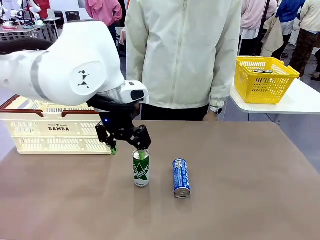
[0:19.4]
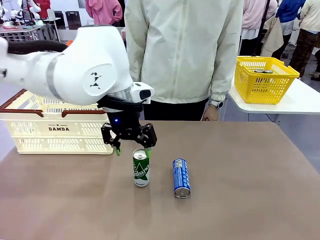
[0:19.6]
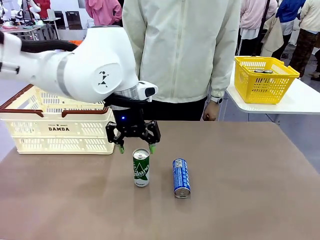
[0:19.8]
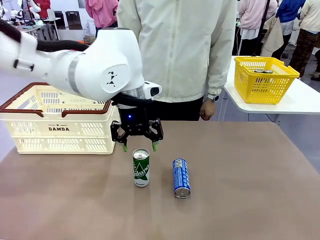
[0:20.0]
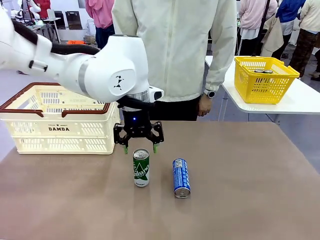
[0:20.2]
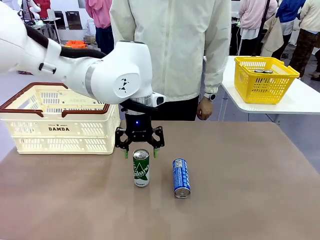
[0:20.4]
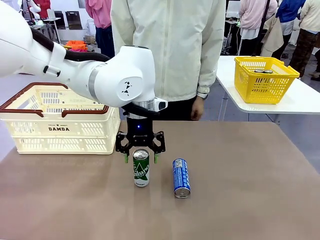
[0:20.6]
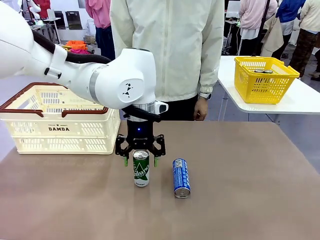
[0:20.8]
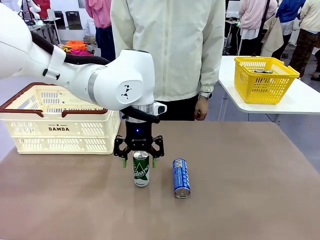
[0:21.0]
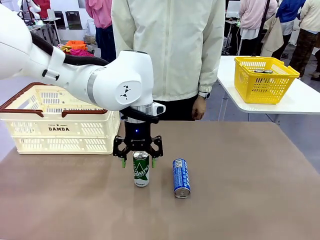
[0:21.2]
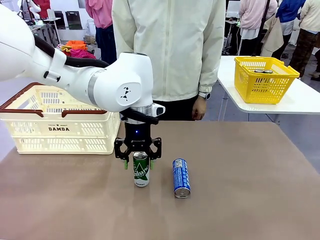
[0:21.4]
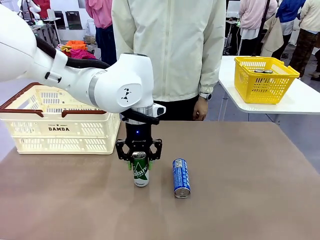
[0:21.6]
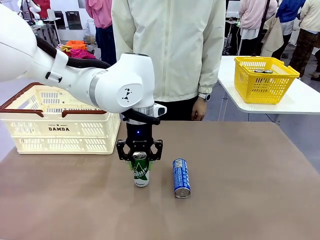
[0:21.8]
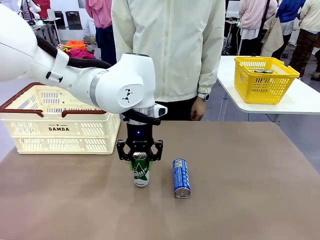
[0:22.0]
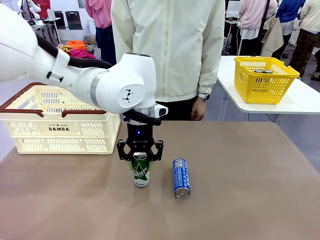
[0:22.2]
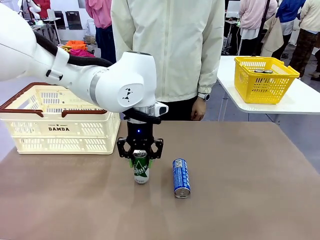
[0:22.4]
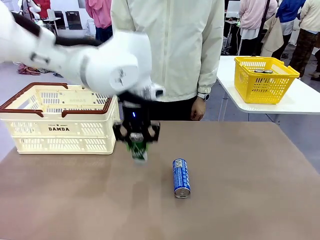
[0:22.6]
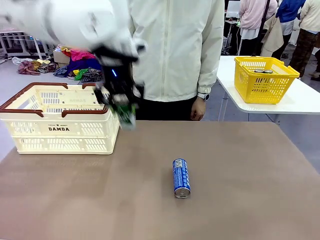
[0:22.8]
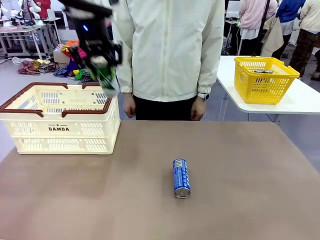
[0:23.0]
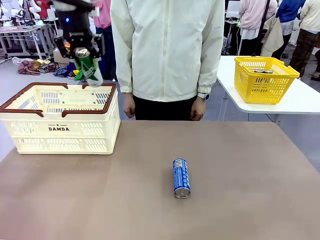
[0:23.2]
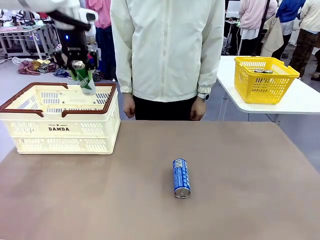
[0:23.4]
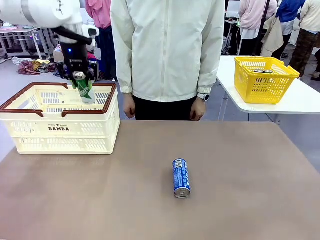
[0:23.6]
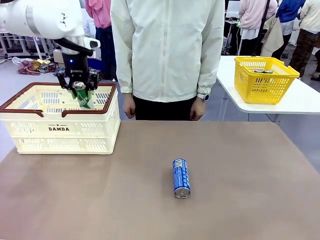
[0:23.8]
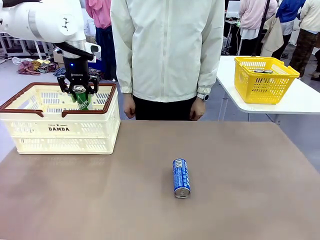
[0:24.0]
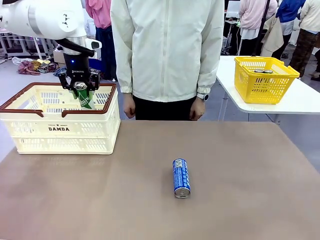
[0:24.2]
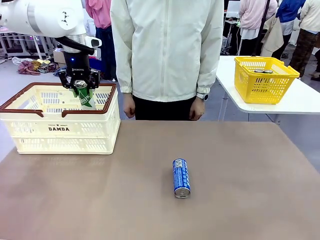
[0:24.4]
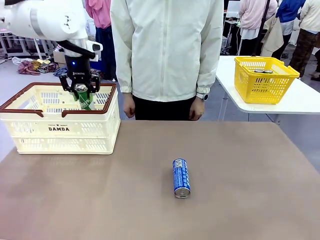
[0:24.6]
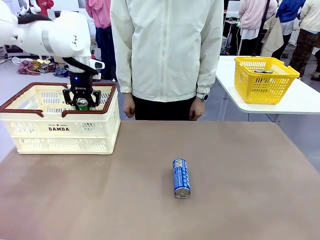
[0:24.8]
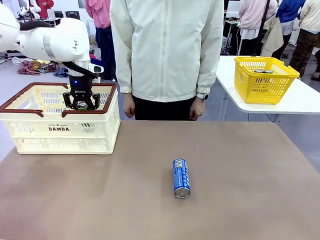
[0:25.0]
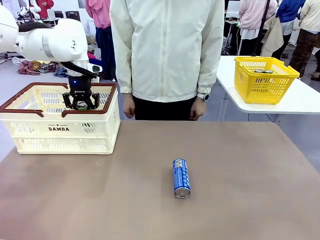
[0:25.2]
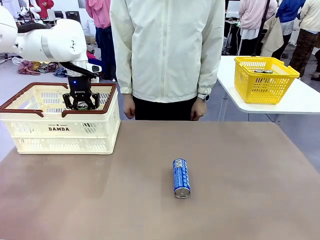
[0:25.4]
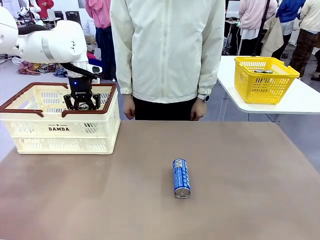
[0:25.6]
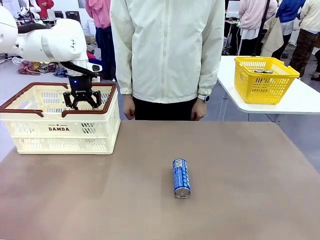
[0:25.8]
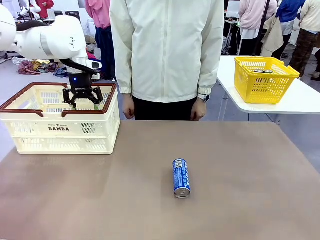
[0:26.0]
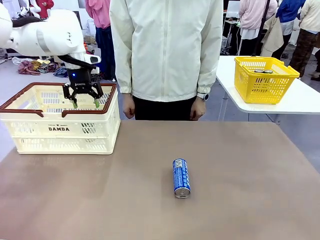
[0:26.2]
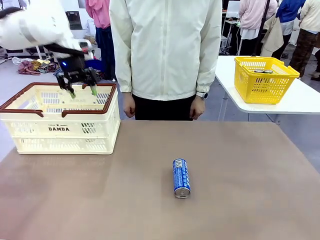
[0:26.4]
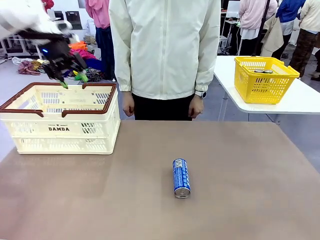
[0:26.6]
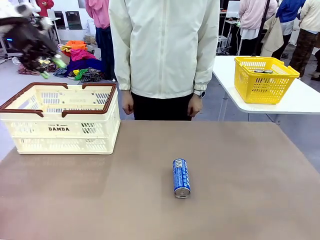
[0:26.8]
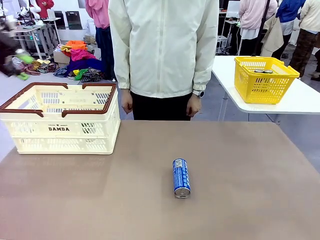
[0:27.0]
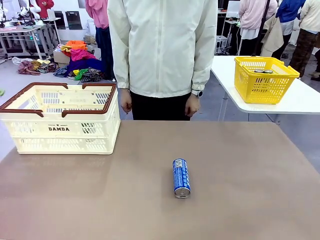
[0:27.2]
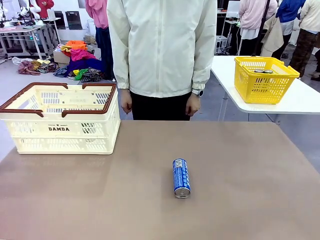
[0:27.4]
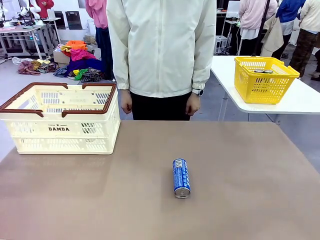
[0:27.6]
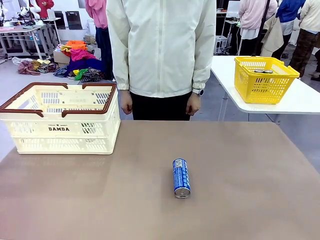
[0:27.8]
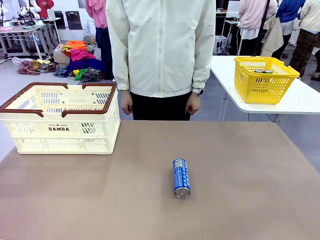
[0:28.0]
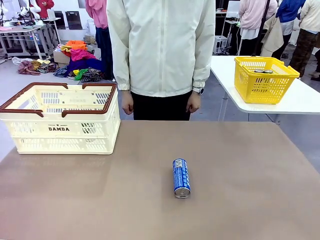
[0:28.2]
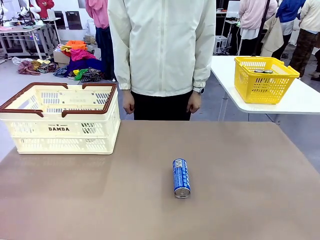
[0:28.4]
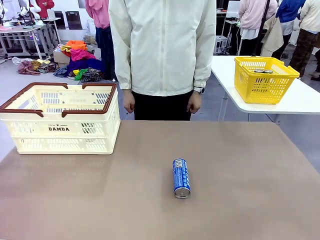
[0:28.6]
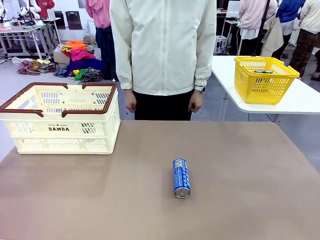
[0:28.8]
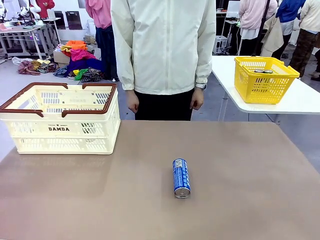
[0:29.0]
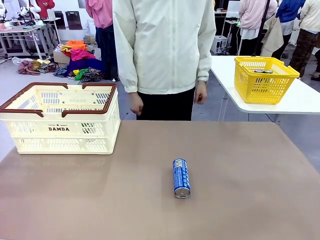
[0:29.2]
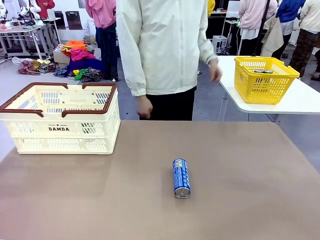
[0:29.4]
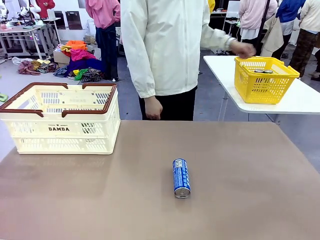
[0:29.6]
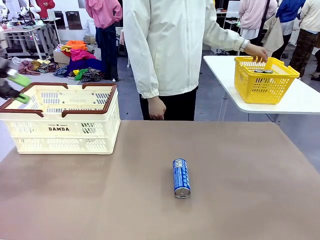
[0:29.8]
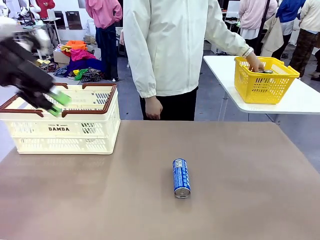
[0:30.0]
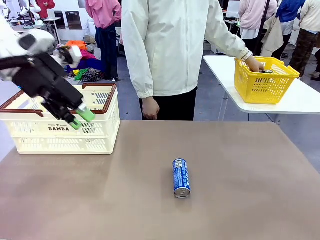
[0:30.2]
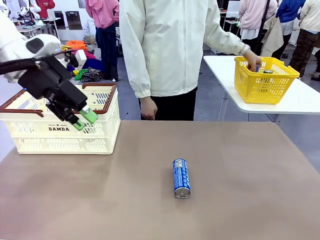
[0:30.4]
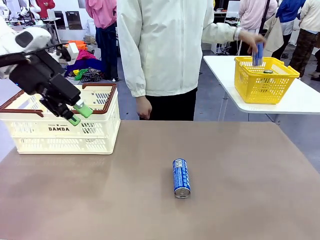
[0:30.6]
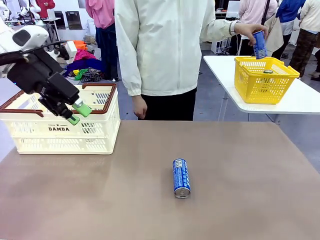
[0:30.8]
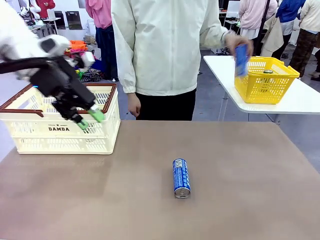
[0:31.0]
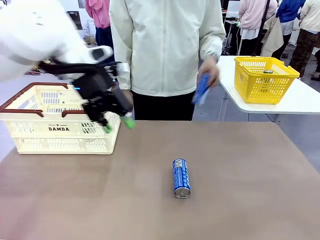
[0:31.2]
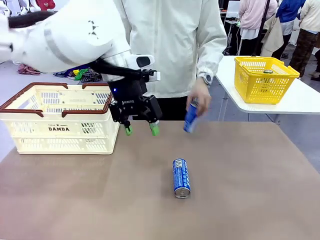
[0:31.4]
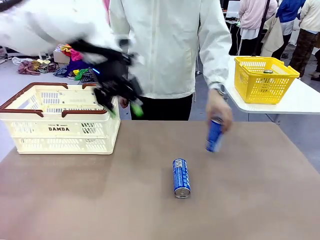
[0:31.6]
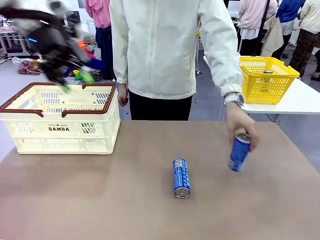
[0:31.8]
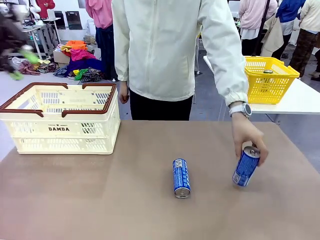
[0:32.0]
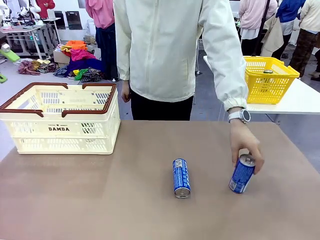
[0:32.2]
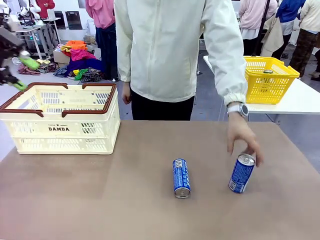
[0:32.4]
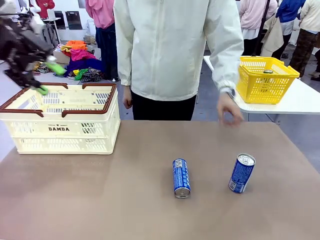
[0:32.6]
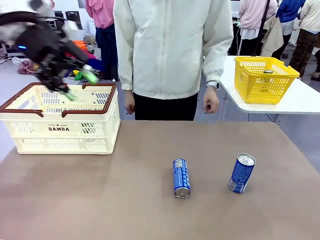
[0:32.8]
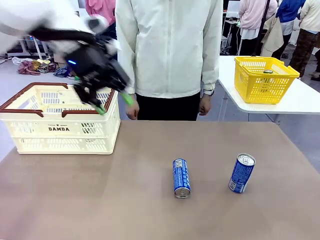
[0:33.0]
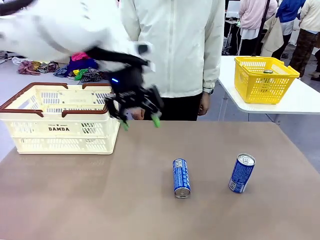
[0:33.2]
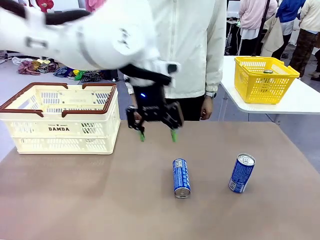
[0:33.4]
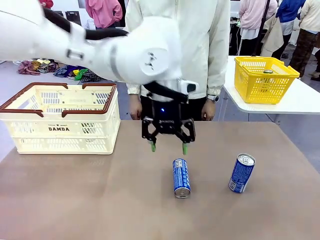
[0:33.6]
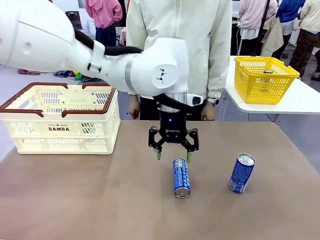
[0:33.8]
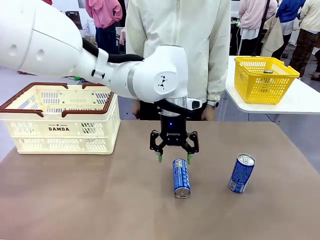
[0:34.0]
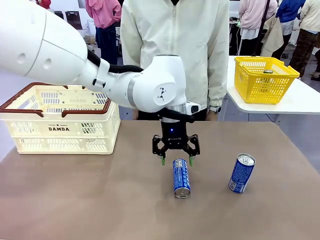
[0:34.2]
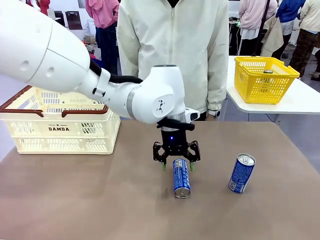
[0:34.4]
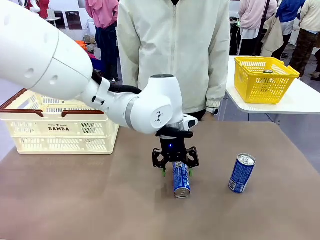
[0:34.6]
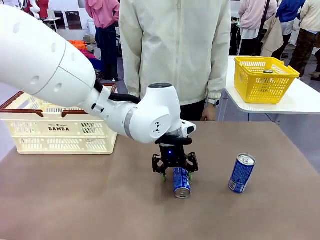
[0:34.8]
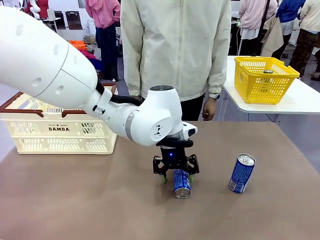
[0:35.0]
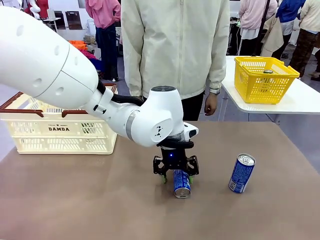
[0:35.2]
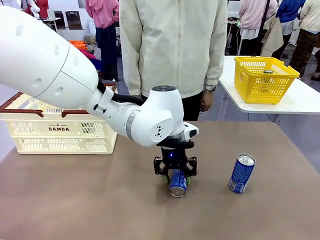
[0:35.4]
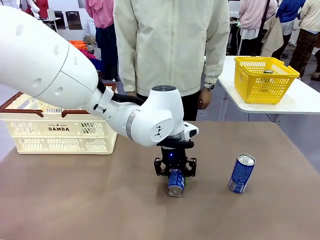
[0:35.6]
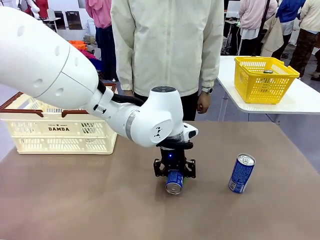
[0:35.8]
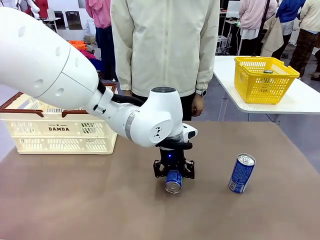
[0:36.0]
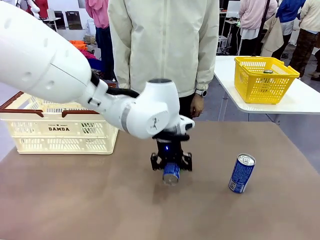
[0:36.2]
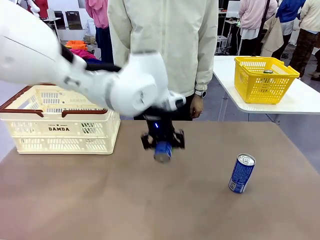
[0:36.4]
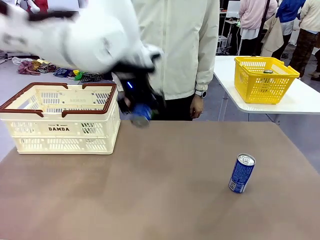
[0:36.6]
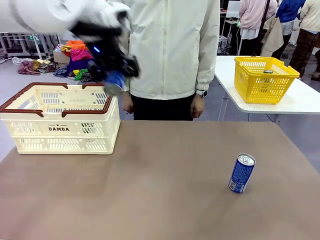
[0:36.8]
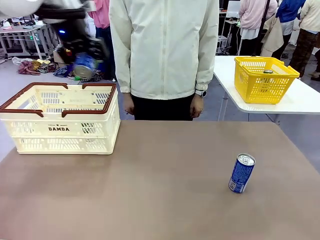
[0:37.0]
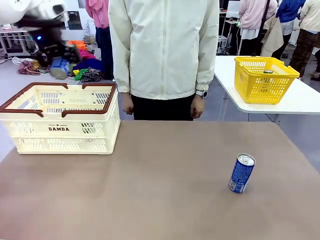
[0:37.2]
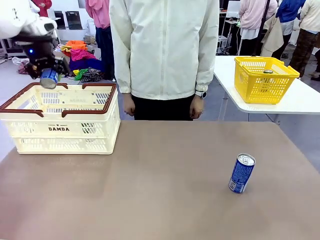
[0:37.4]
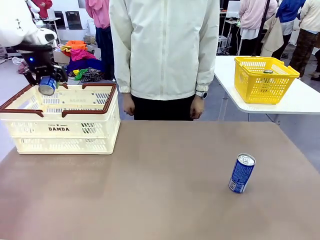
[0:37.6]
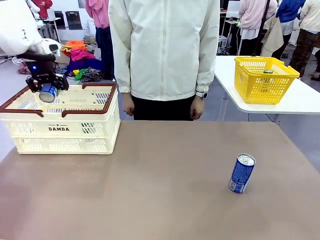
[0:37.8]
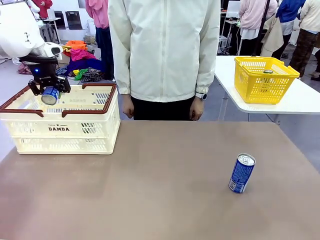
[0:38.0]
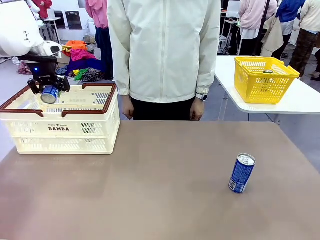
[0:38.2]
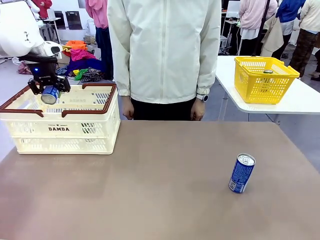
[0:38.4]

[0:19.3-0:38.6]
Task: Place the drinks into the Shopping basket.
Robot: Pick up one drink and place it into the Shopping basket.
